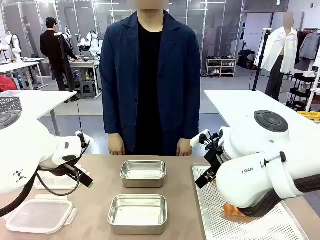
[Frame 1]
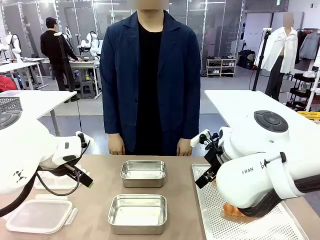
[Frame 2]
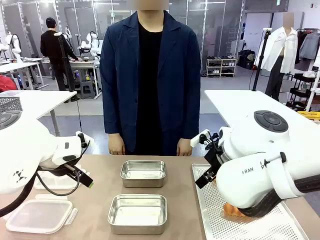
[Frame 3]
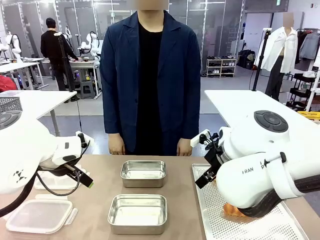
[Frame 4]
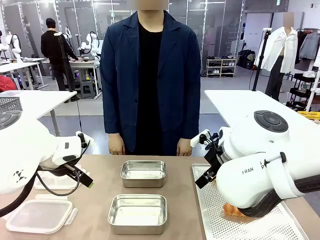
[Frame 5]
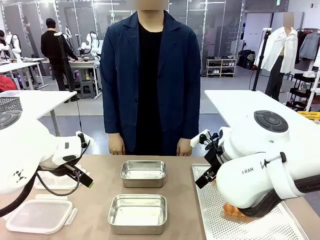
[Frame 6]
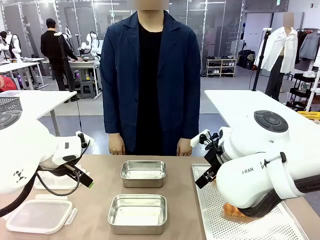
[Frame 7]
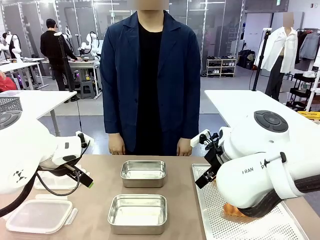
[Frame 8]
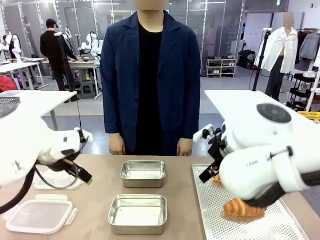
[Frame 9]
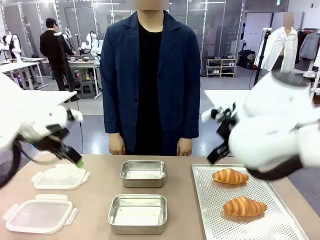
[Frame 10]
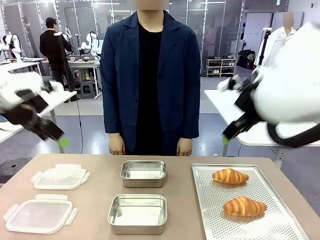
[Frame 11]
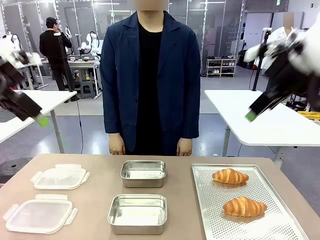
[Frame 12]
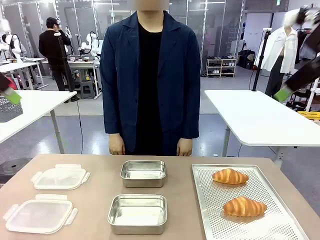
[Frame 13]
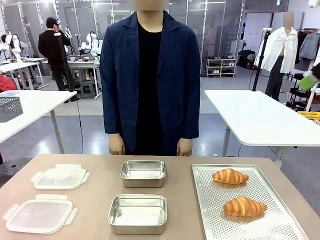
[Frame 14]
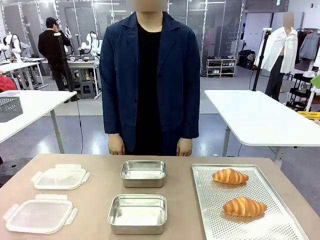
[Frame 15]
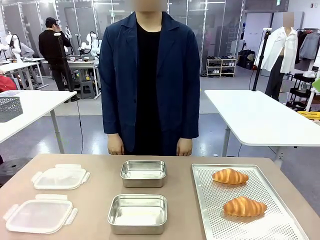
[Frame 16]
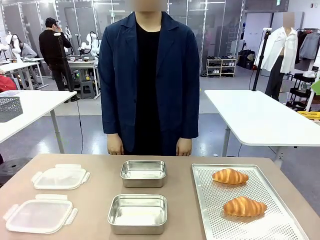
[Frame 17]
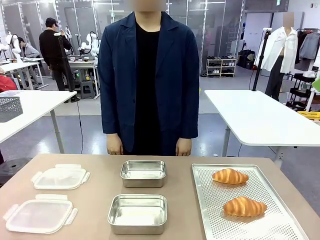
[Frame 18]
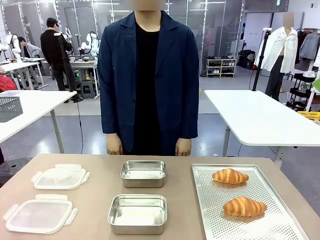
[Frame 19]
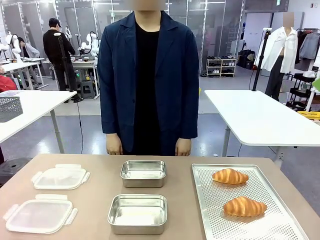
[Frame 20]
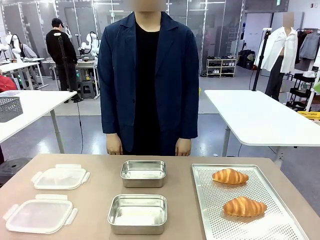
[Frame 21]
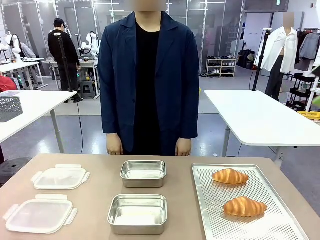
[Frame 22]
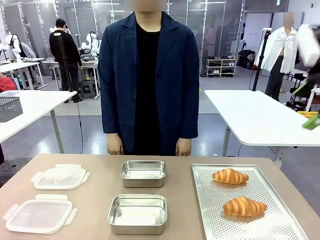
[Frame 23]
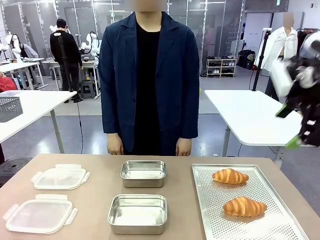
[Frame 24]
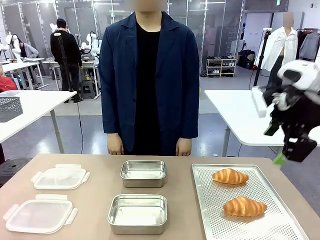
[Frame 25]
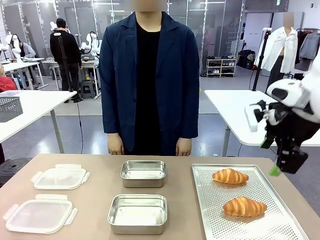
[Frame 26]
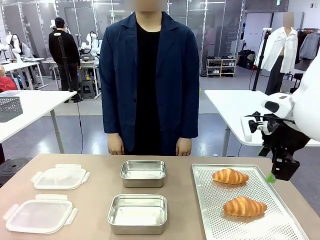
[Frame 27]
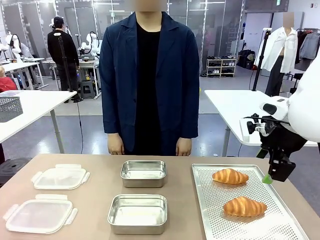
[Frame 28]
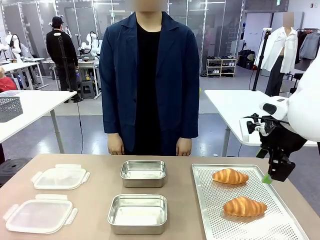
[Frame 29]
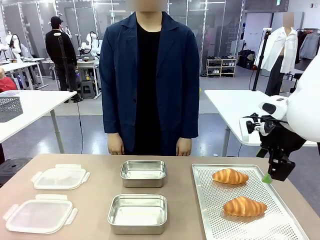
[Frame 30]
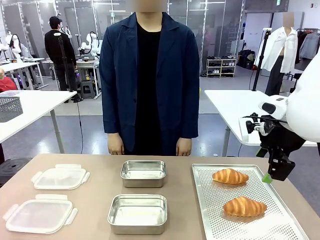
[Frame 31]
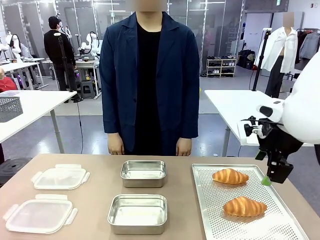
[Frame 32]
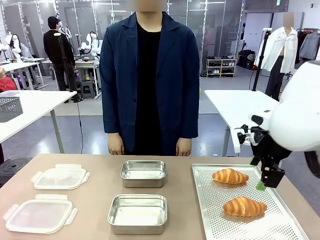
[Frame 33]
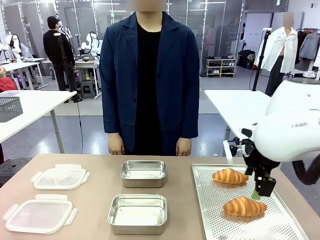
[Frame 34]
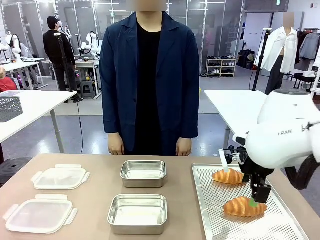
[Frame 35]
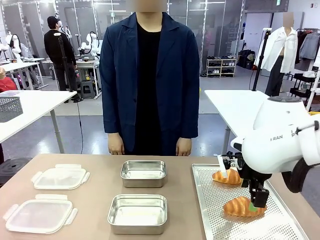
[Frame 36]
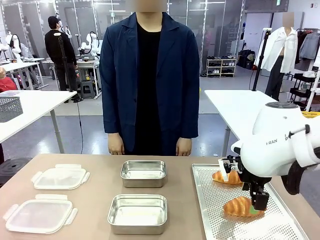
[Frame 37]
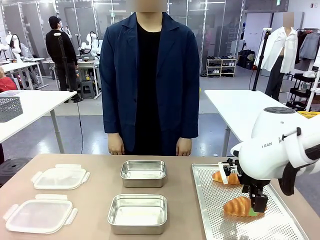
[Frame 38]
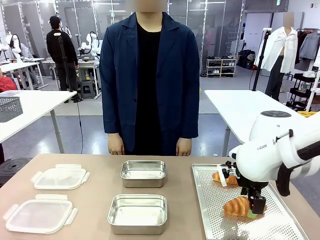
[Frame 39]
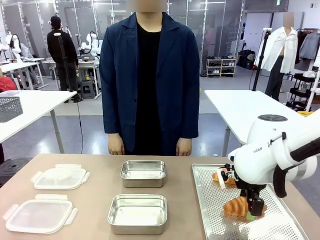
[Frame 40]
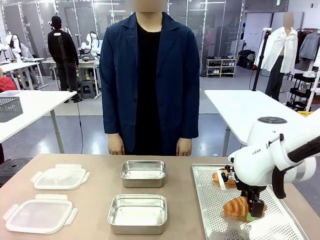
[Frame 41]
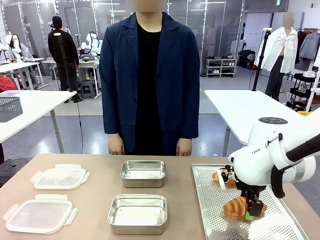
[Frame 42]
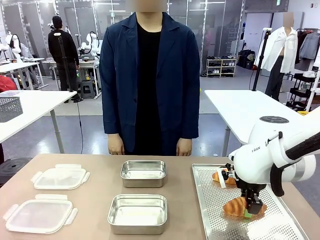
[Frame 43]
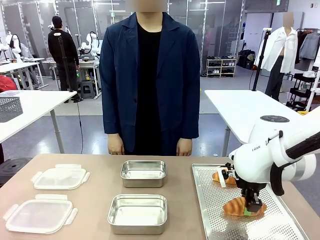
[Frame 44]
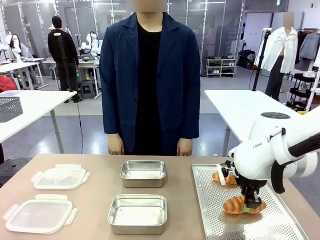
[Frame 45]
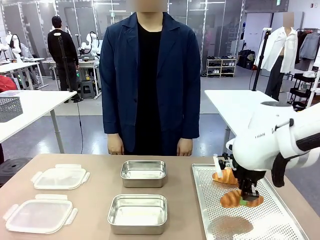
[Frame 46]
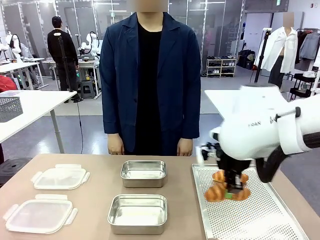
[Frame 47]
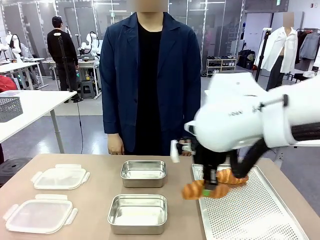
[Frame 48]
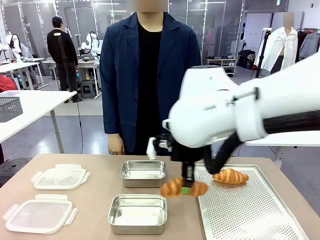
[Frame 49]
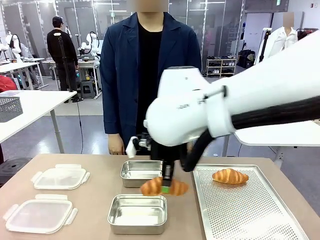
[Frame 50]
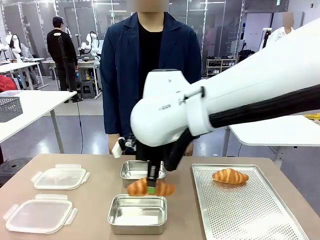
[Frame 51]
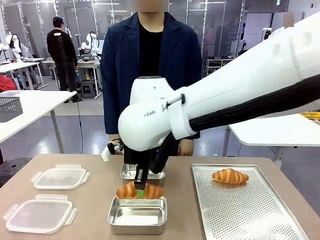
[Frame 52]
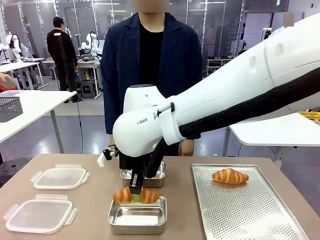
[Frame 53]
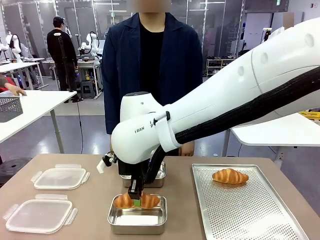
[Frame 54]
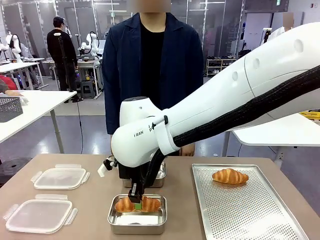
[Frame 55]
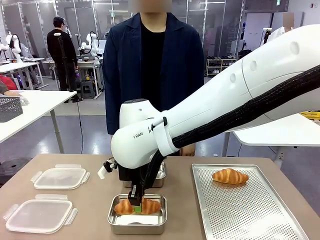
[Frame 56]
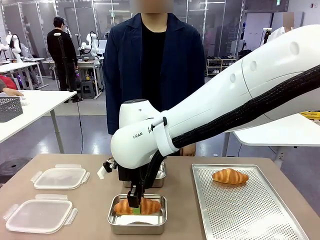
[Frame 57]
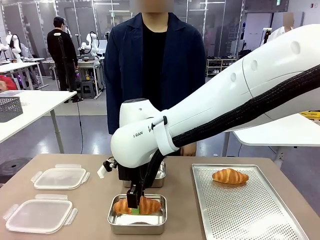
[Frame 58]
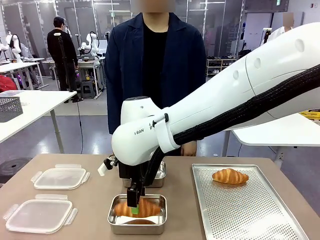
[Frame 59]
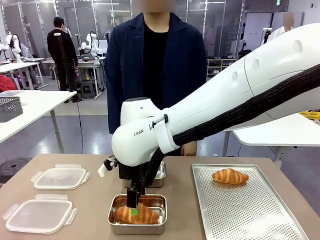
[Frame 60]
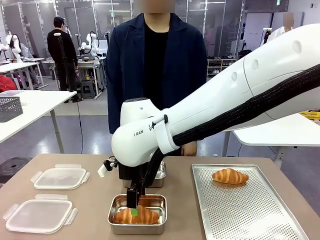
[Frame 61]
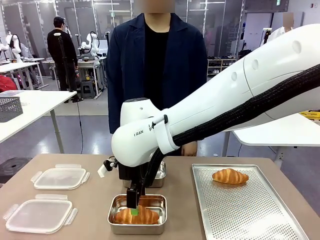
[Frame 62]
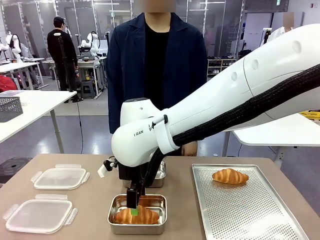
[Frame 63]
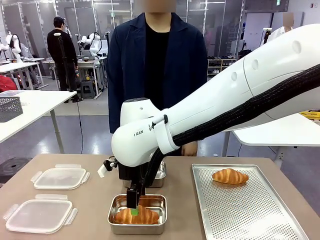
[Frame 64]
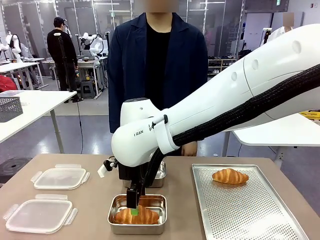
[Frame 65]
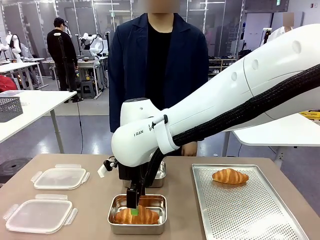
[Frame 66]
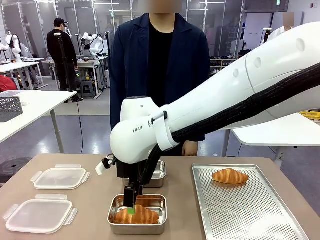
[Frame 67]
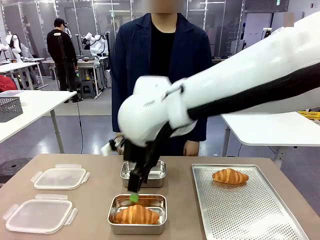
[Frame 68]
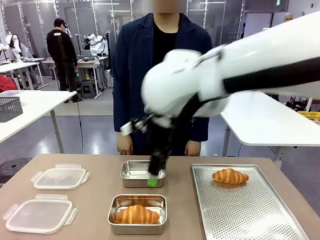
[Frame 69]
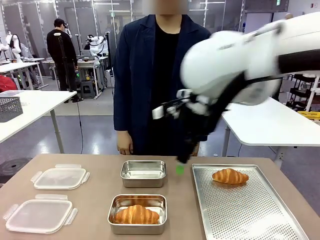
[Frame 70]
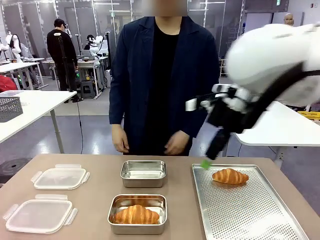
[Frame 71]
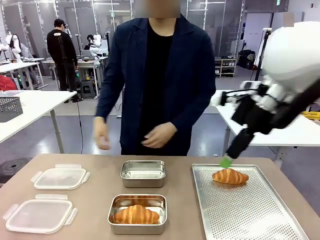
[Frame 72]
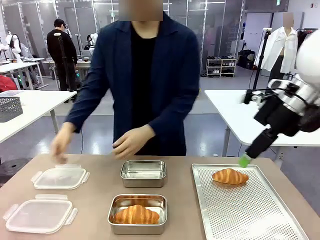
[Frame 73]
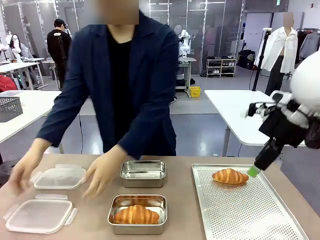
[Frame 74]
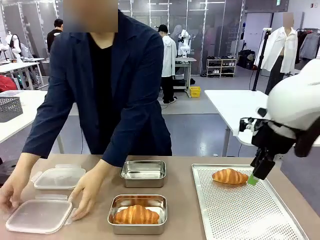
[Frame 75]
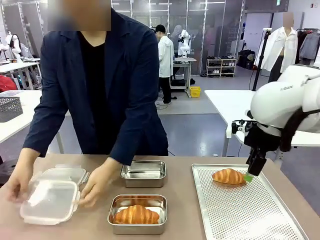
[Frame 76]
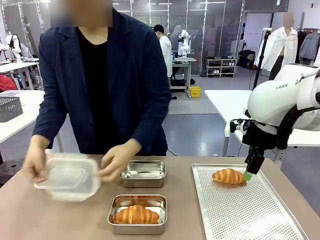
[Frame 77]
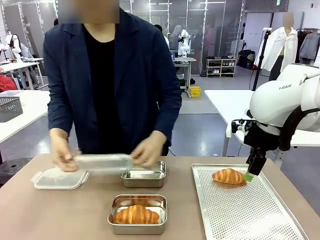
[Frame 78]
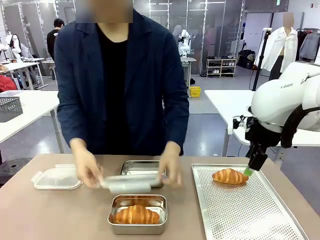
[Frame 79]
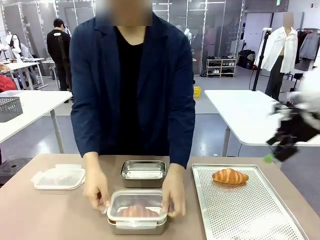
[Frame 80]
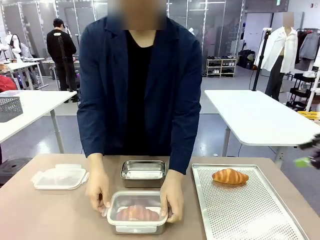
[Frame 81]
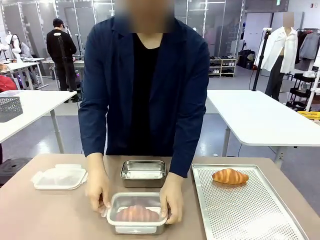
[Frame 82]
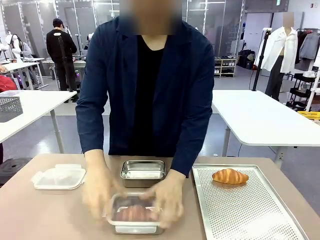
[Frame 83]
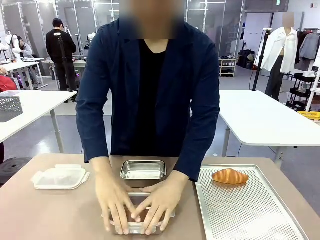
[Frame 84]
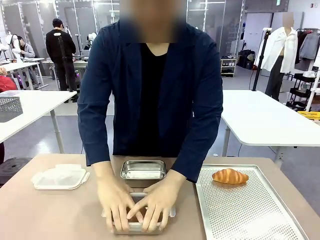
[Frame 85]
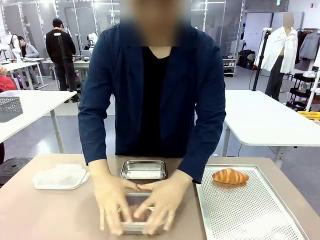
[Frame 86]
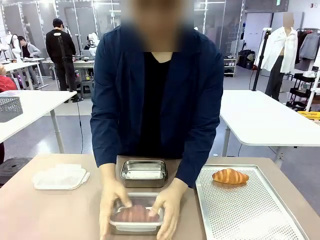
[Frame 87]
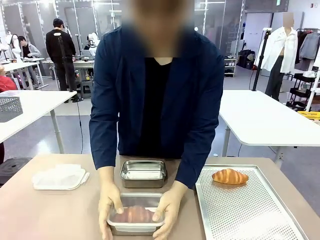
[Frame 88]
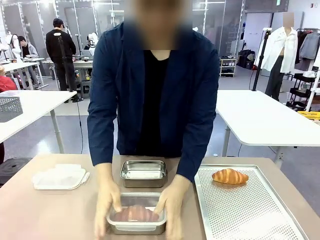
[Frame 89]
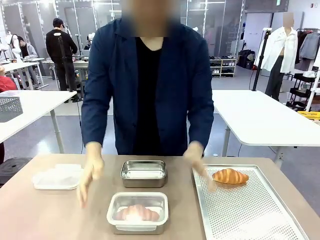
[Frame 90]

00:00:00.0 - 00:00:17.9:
Task: Place the bread into the airtight container.
Robot: Pick up a Butter Roll and place it into an empty Airtight Container.
